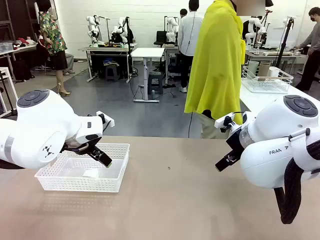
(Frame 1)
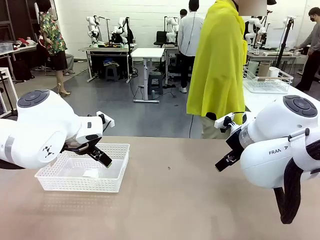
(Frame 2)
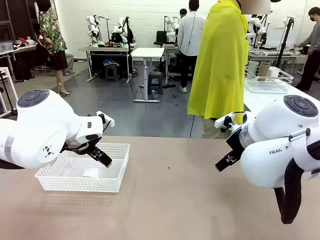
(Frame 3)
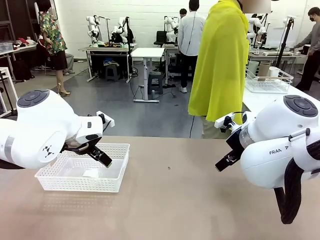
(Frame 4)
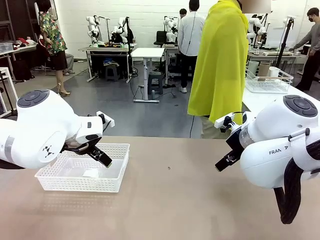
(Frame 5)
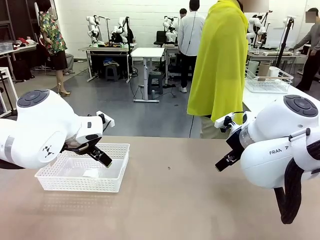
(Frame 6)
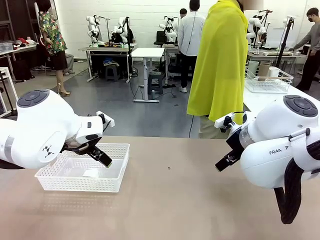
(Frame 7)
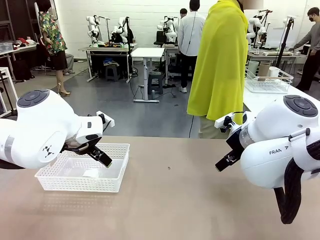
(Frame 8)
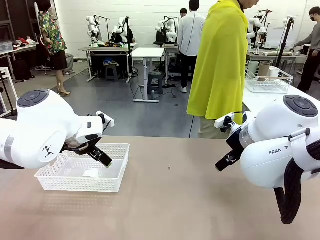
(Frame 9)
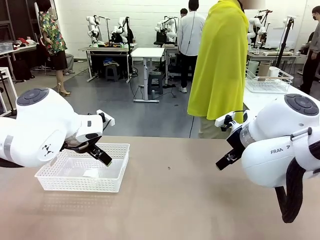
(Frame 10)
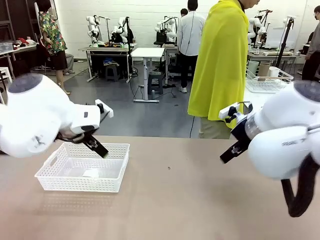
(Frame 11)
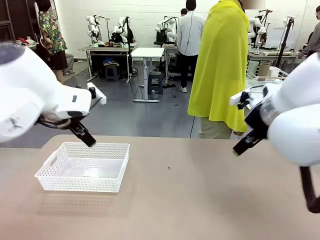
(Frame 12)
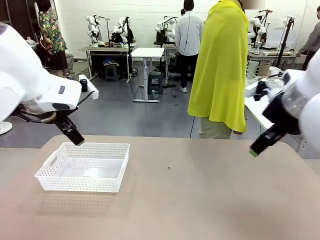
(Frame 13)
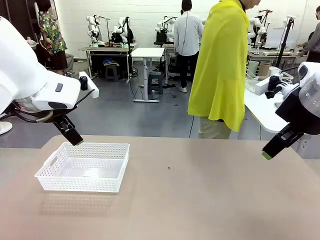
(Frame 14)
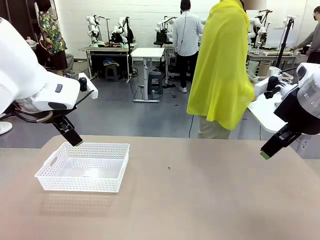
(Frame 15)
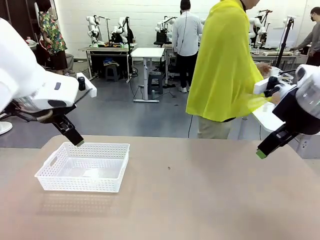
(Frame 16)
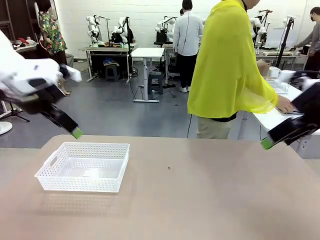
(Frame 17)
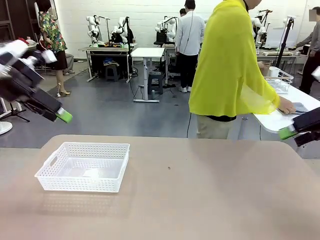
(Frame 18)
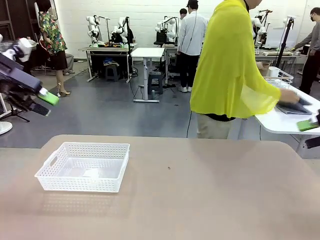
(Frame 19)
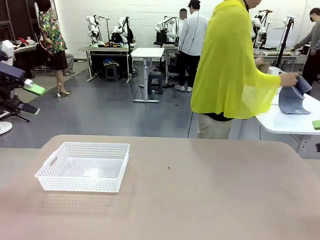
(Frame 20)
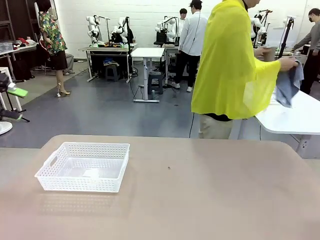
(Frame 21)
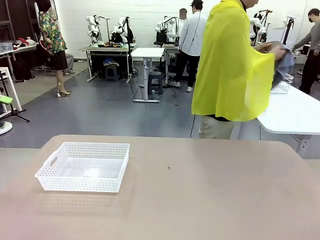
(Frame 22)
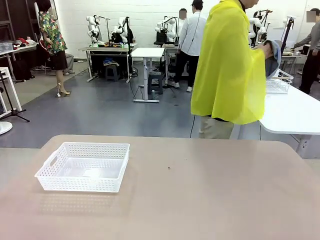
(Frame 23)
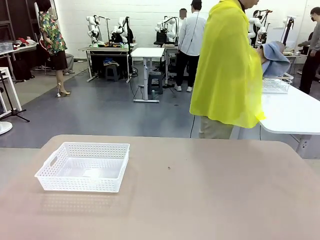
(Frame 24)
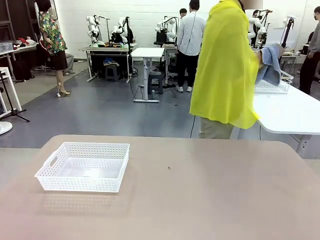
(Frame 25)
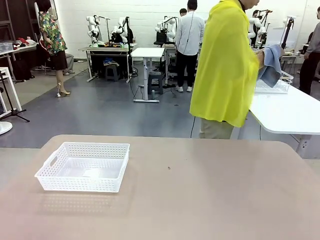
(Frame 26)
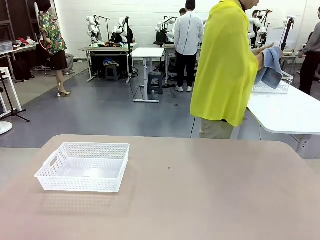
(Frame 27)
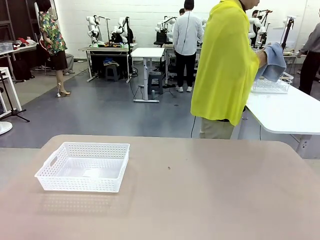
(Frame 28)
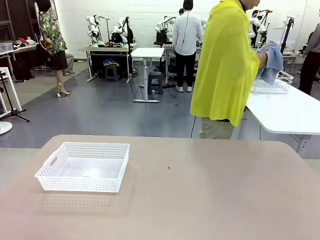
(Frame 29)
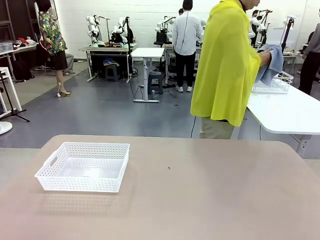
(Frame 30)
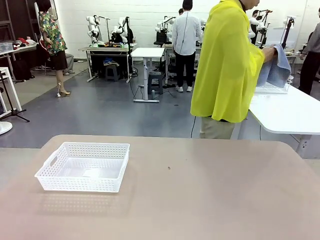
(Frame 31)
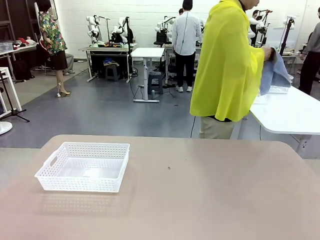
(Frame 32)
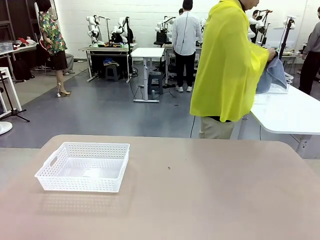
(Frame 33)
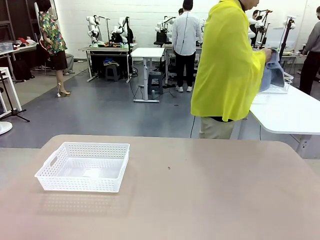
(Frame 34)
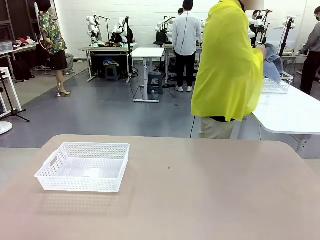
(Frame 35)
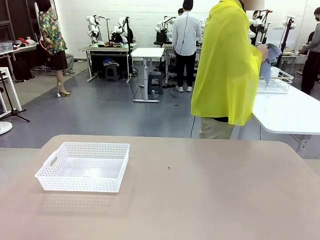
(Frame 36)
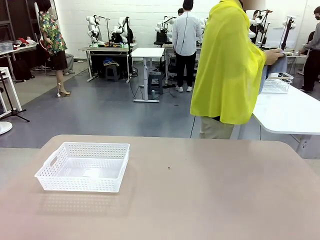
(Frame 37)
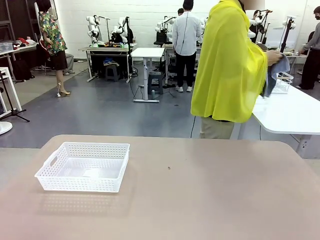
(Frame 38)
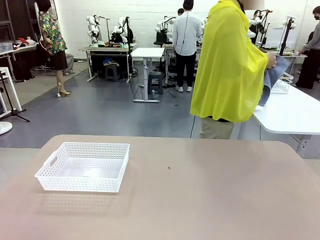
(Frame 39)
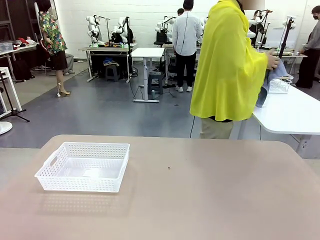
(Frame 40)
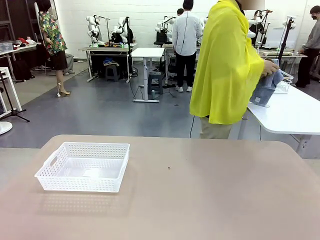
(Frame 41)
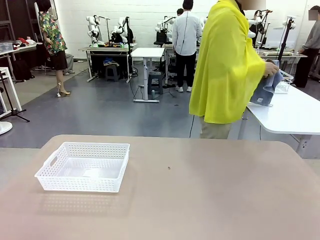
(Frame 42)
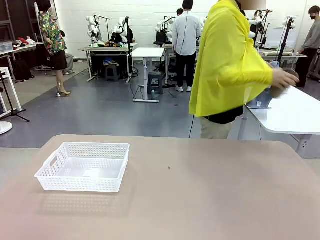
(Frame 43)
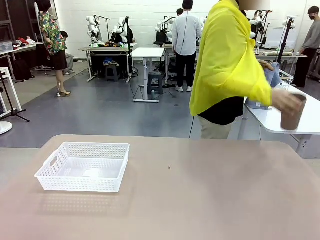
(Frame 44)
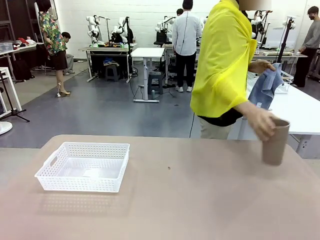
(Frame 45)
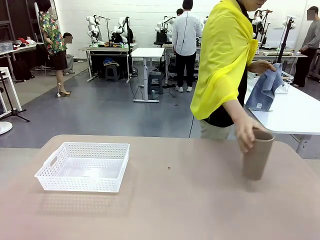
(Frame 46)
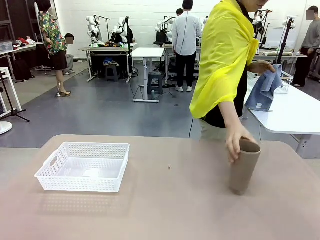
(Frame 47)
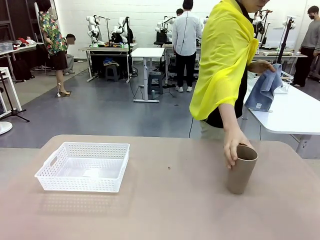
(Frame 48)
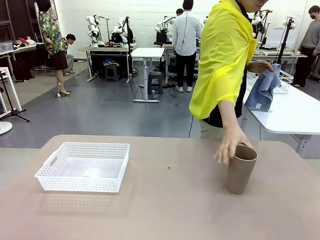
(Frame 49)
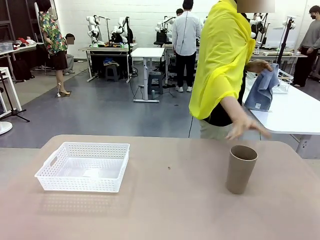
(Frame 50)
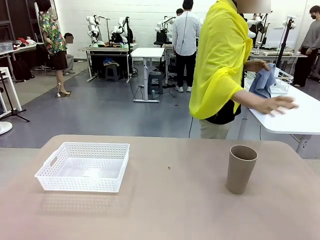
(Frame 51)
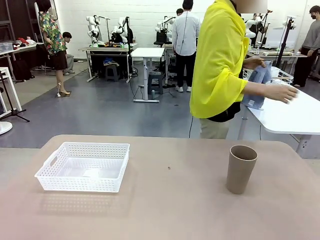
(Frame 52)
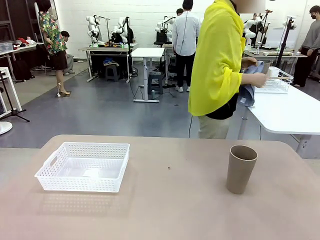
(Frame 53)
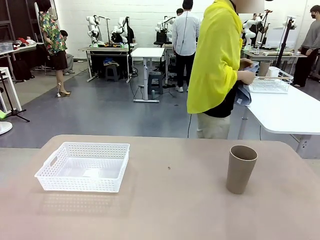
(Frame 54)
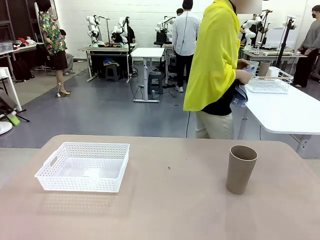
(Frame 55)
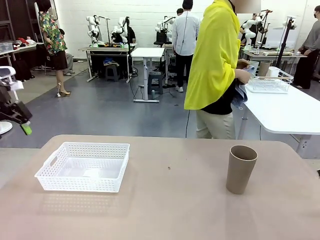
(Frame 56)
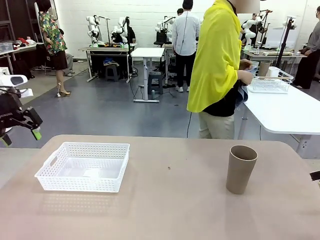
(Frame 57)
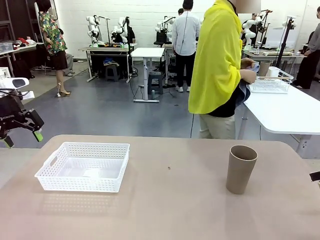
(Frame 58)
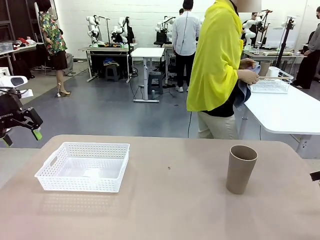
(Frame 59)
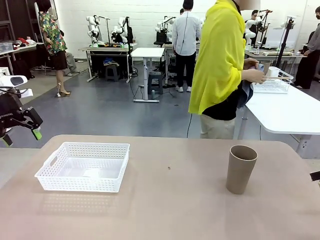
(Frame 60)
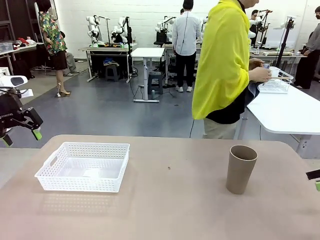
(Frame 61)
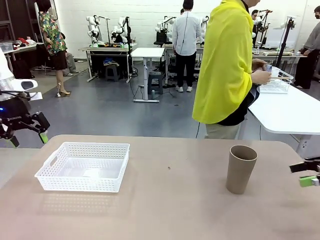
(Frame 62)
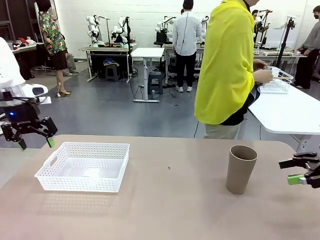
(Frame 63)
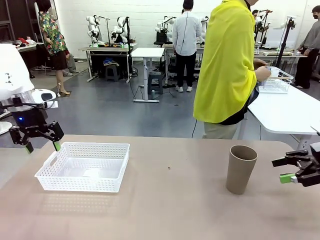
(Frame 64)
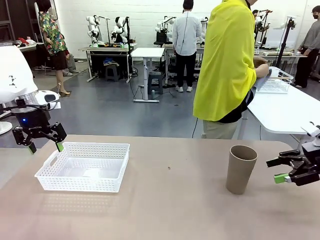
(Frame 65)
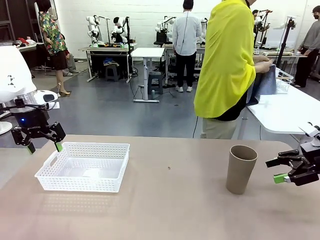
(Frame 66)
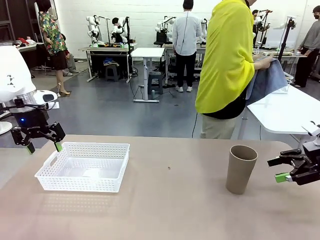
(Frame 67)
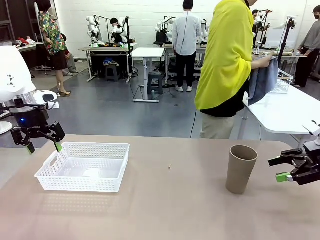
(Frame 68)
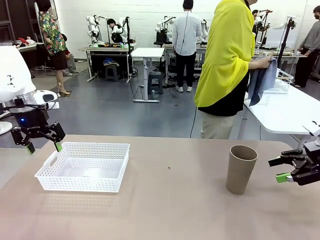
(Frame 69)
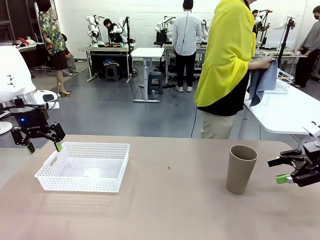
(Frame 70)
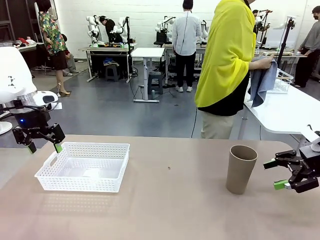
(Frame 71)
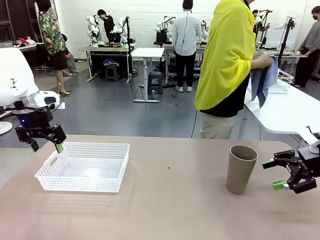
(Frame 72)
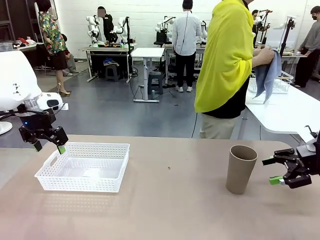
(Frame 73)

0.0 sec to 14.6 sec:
Task: Clean and organize the cups into the basket.
Robot: Pick up the Organizing basket and move it to the center of the table, then pick up the Reusable plastic cup from the right side of the table and place it inside the Organizing basket.
Person: Picks up a cup and a towel, cleans the cup with the towel, and places it on the left side of the robot table.
